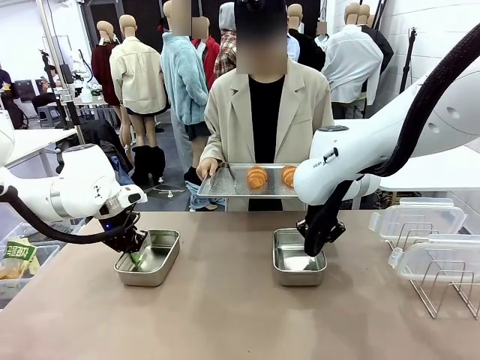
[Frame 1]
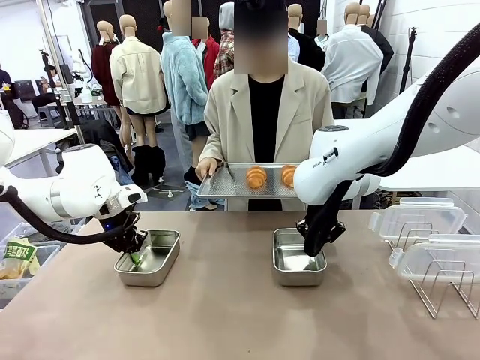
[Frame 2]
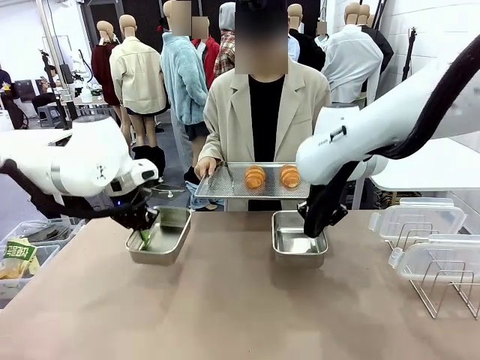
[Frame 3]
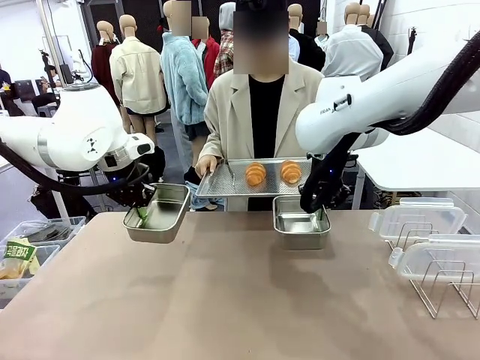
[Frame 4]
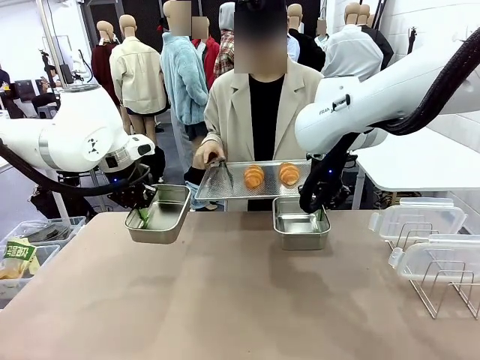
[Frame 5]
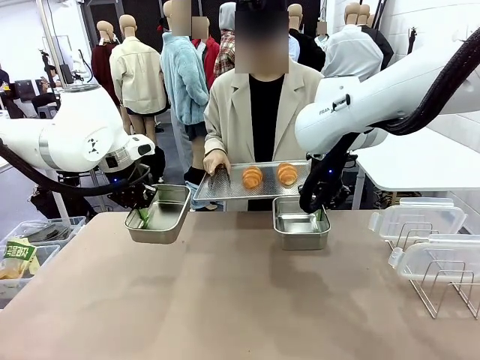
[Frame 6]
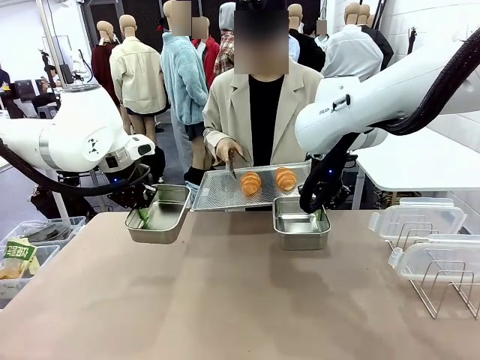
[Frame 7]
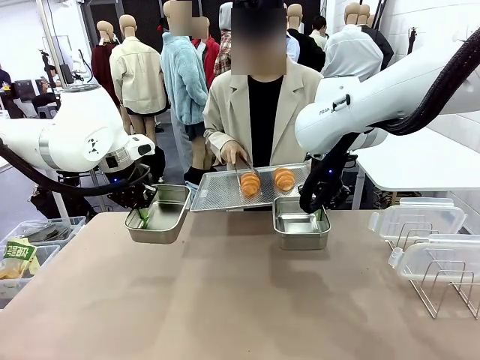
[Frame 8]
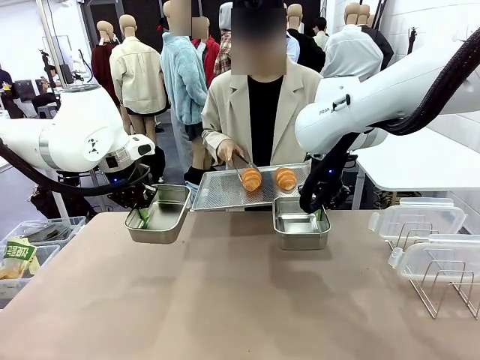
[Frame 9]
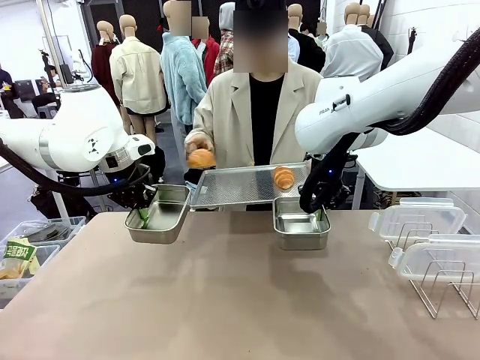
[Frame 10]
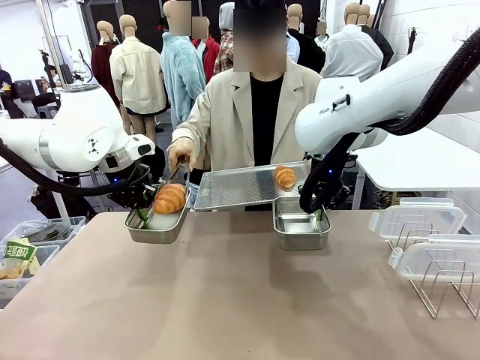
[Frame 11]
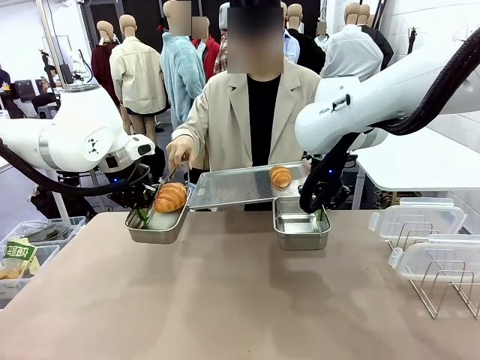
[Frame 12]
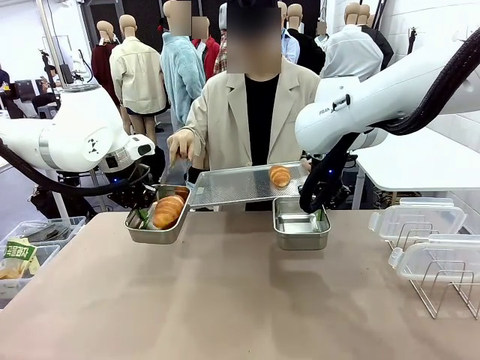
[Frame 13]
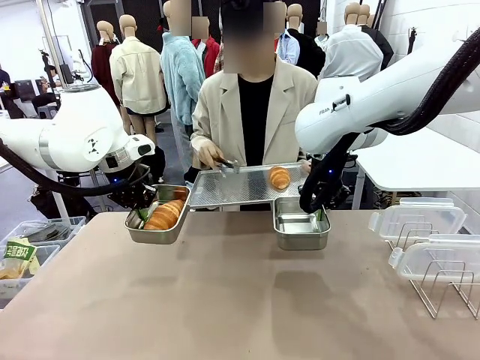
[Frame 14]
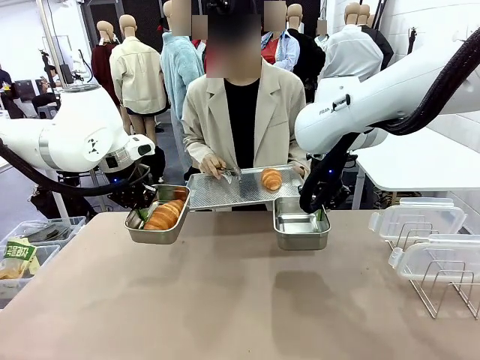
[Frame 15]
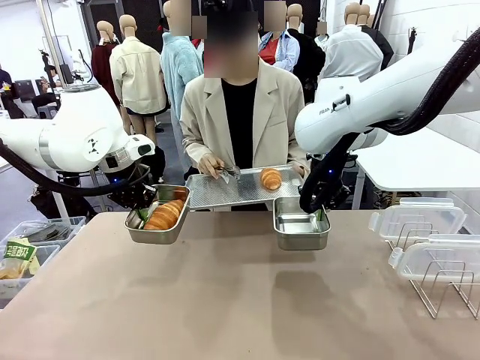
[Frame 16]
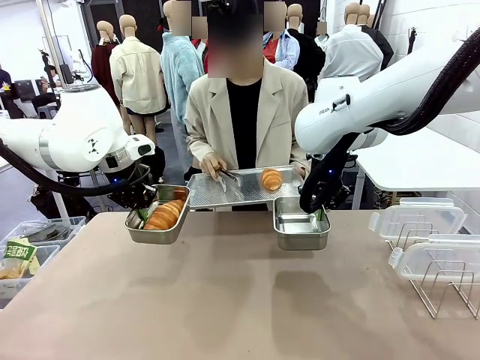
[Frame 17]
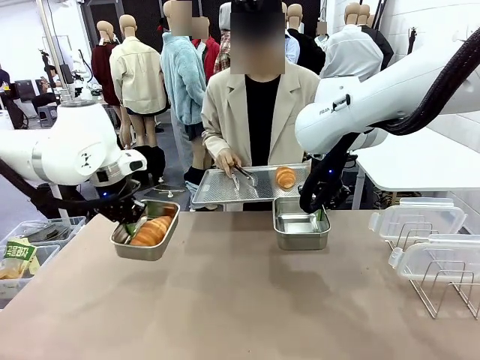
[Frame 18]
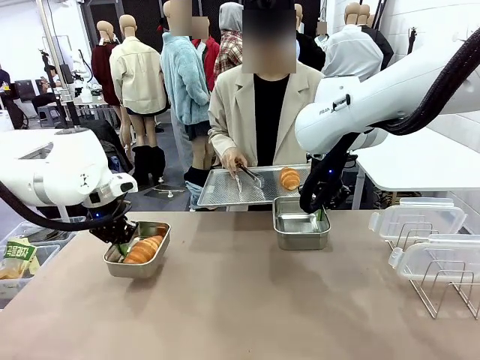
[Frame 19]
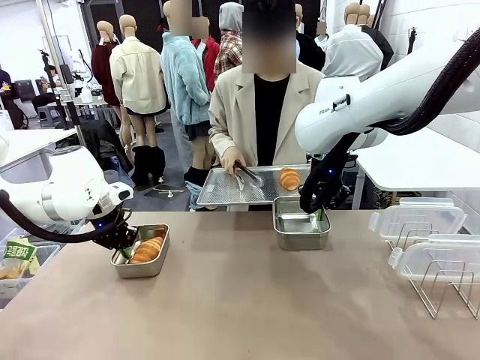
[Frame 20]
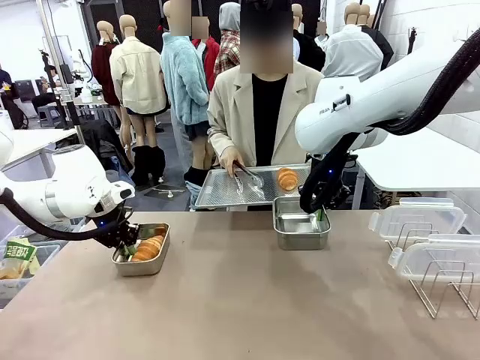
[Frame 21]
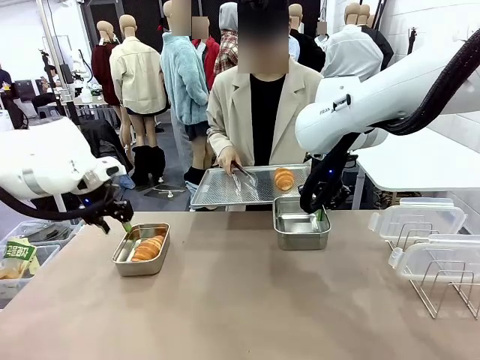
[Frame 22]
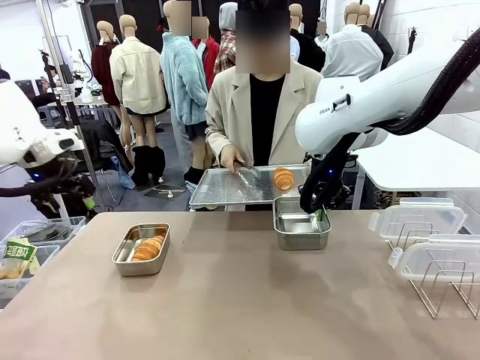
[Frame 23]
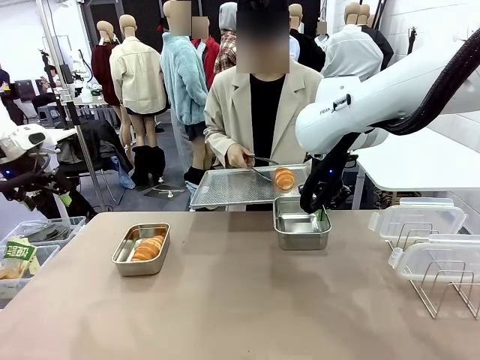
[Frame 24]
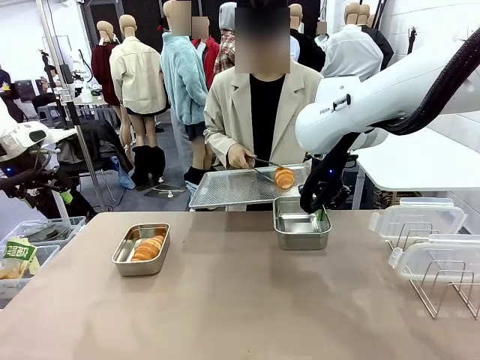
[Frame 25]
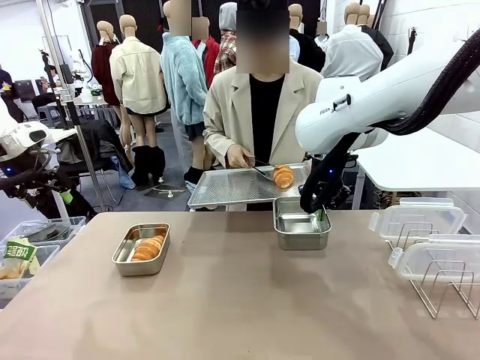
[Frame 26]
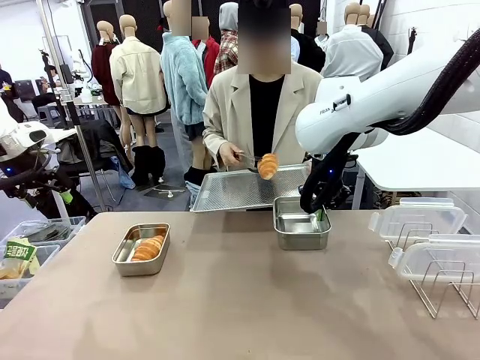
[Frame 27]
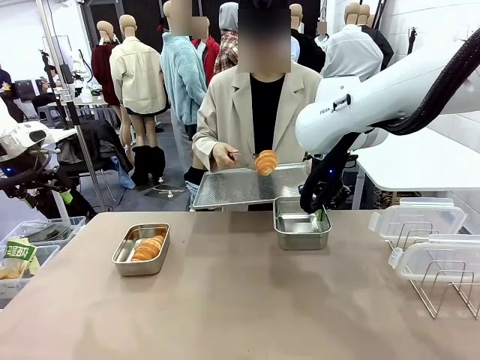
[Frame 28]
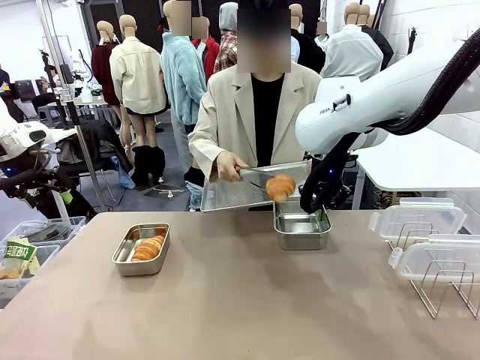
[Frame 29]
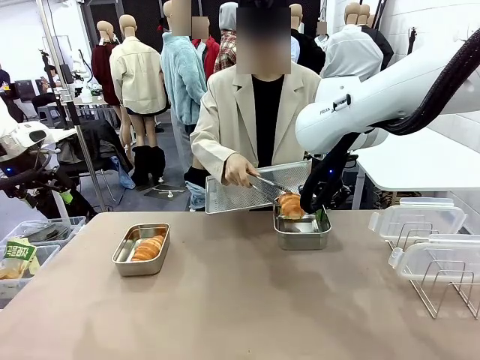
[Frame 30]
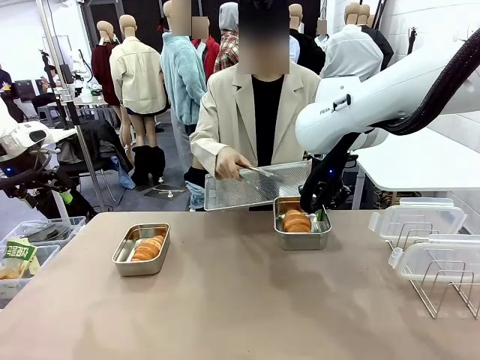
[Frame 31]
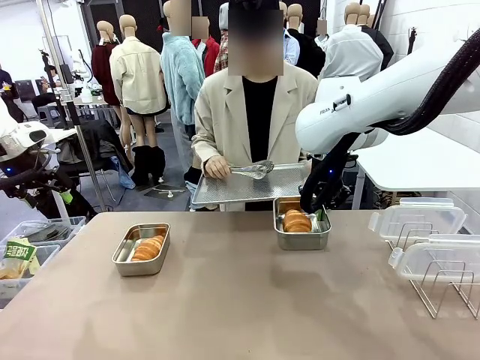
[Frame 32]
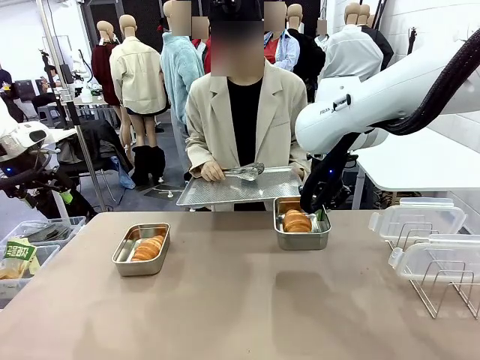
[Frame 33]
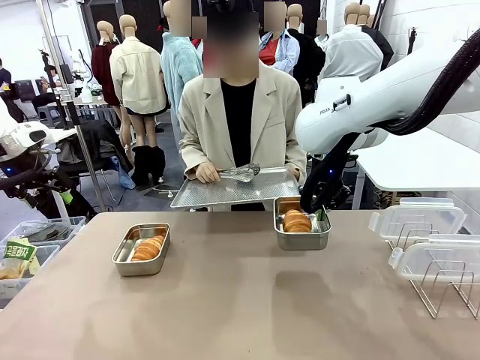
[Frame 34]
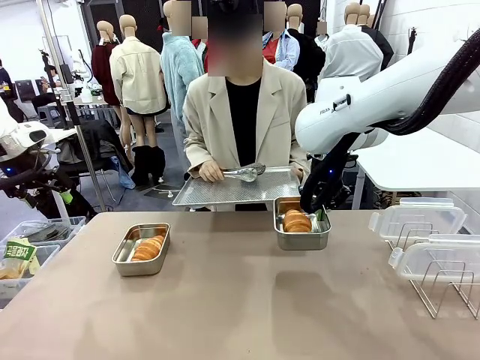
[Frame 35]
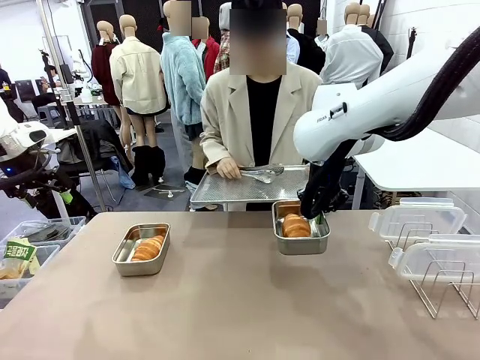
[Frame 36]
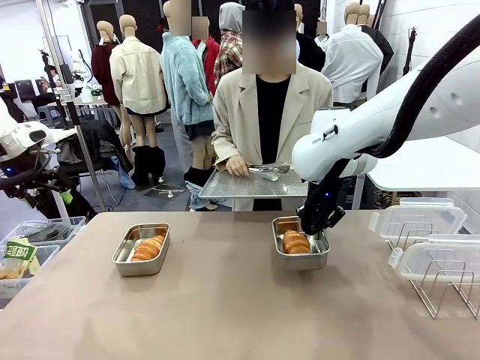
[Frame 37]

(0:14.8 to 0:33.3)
Task: Place the bread in airtight containers.
Robot: Once an object is inside an Airtight Container , place the container in the center of the table.
Person: Use the Stainless steel tongs to place one object from Baking Sheet into one Airtight Container.

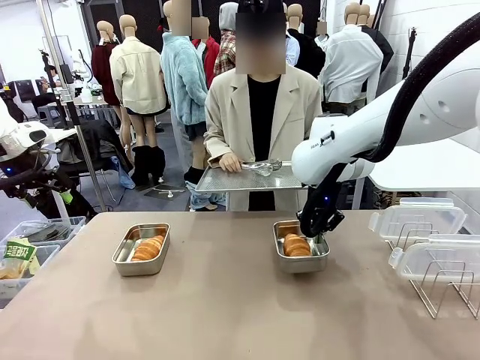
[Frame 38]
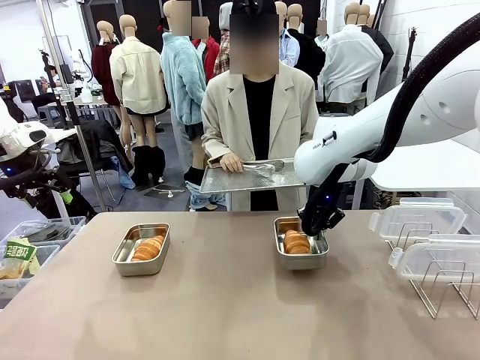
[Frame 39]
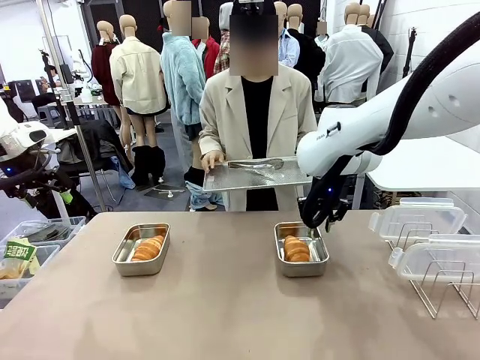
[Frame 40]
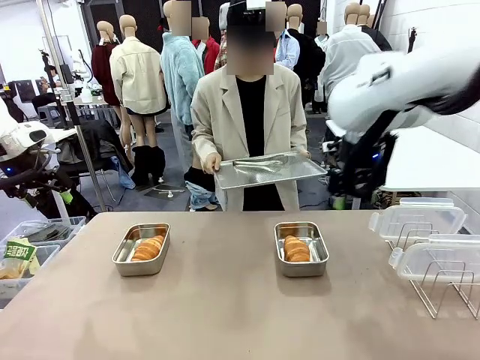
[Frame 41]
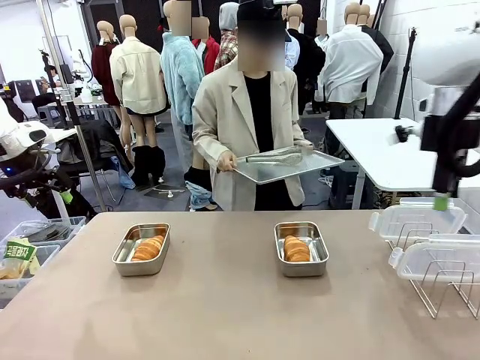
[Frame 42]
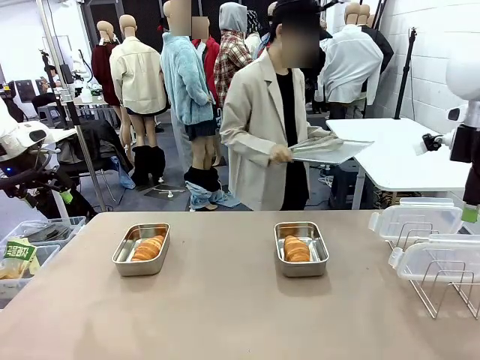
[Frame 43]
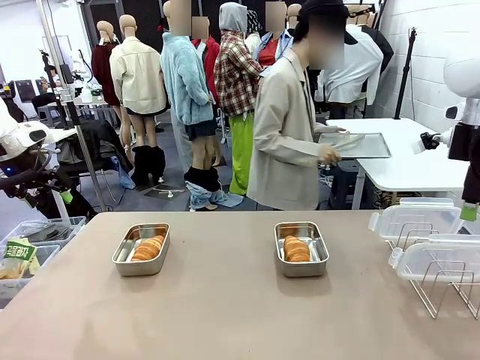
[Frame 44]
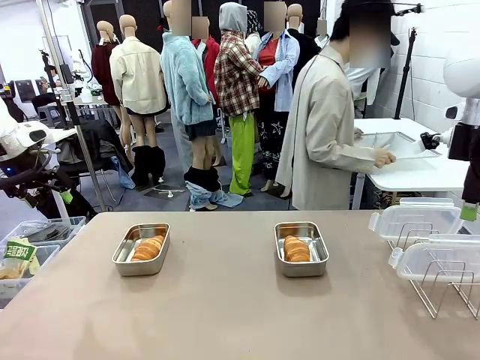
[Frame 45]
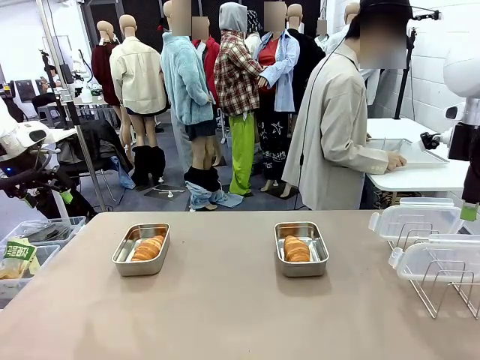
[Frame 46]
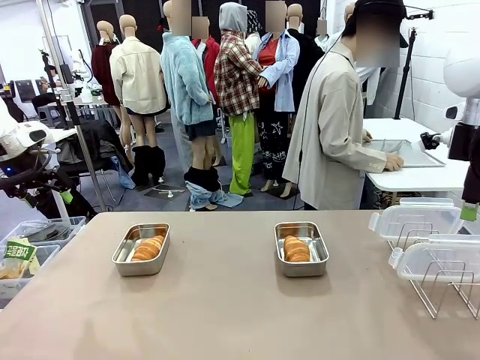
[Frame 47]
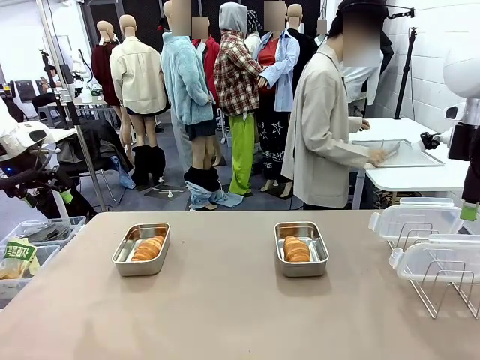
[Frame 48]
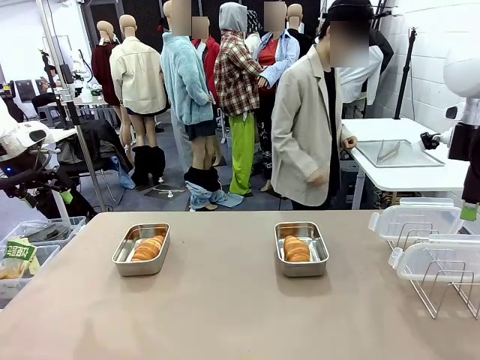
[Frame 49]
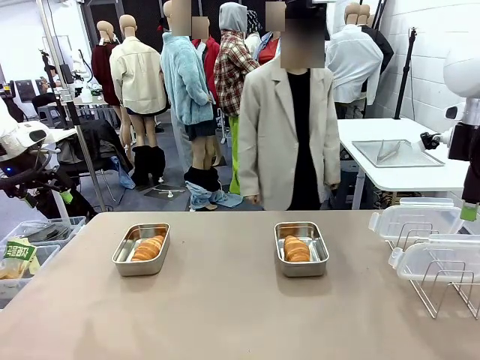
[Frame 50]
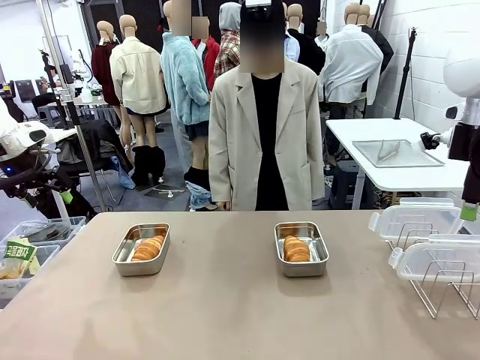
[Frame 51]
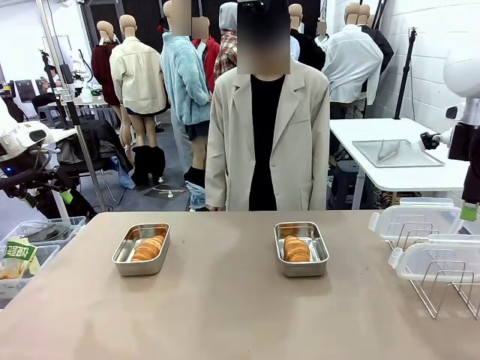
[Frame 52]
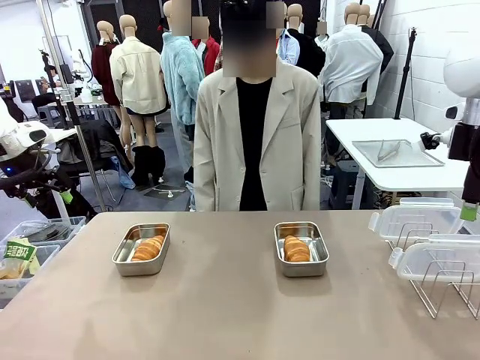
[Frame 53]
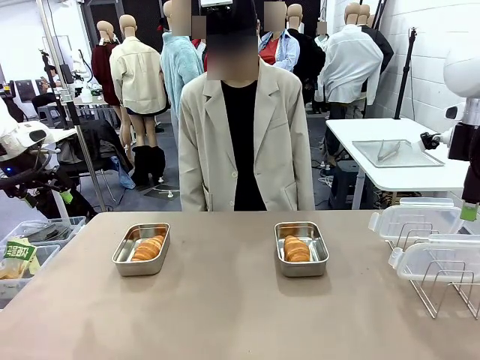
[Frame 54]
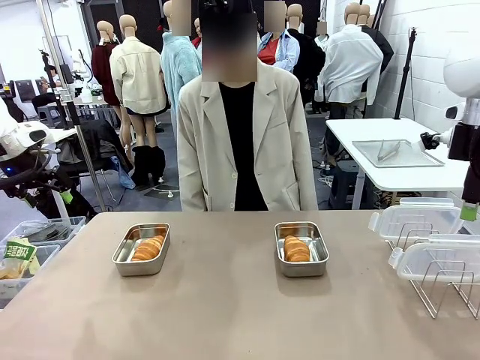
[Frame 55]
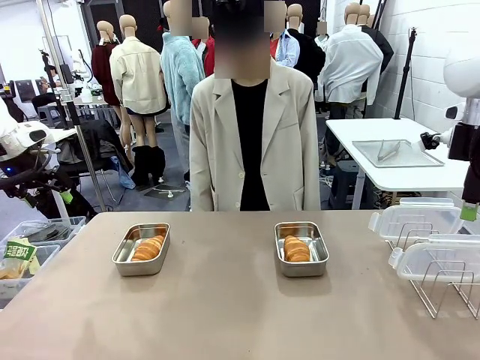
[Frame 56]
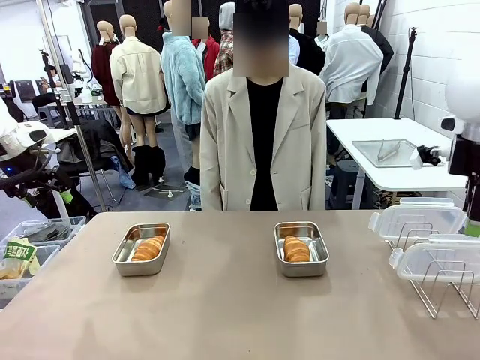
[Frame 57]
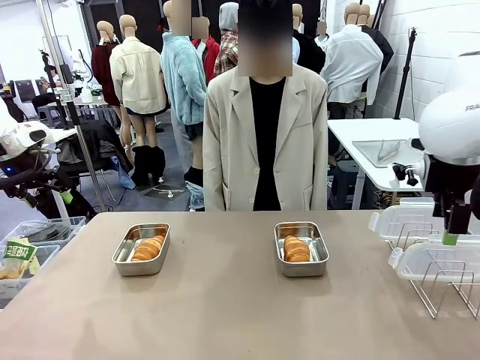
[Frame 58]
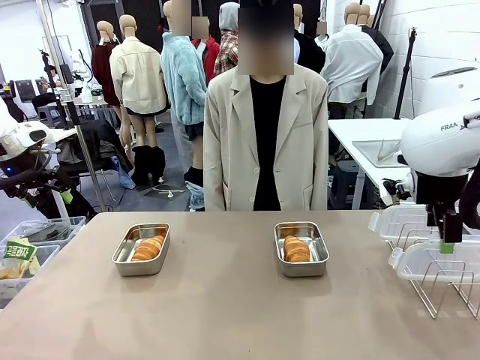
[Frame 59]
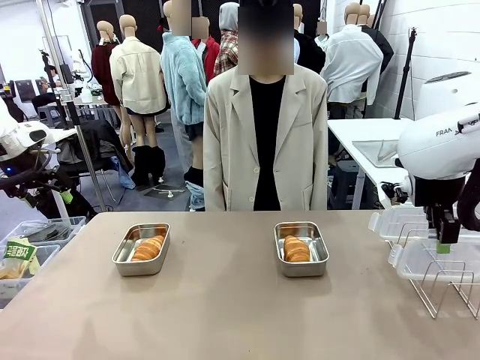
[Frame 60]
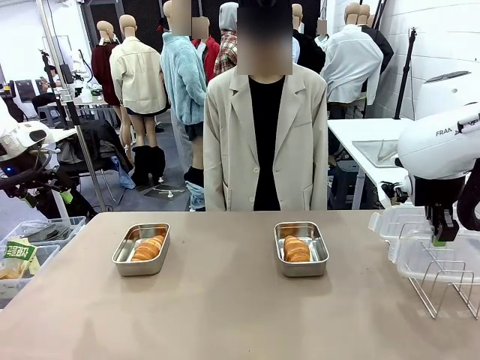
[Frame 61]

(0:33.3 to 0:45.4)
Robot: Pick up one Airtight Container lid and hand it to the human.
Person: Place Baking Sheet on the Human's Table.
